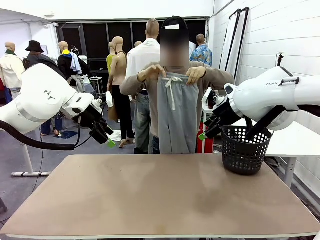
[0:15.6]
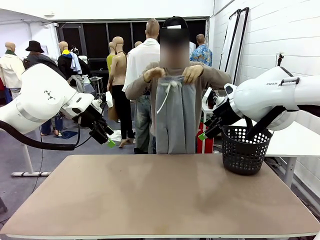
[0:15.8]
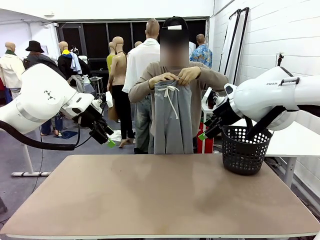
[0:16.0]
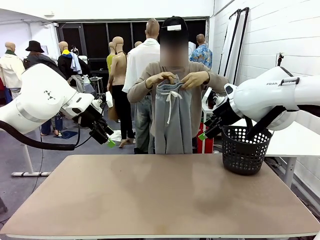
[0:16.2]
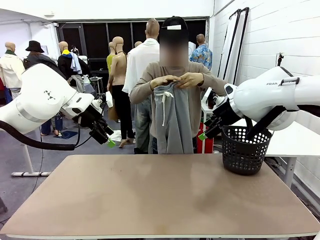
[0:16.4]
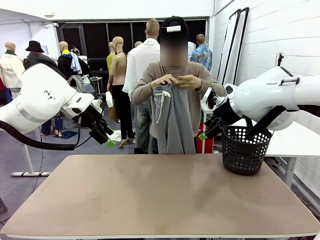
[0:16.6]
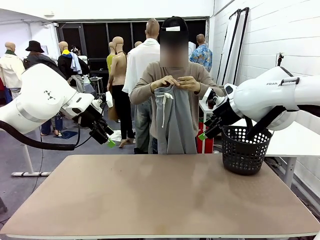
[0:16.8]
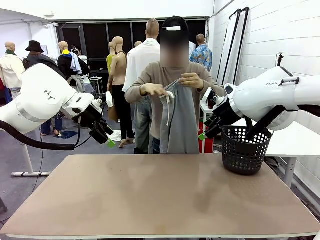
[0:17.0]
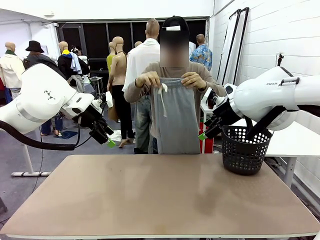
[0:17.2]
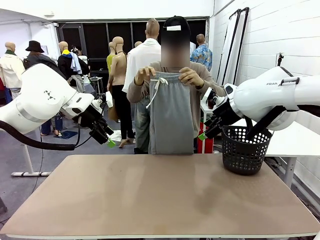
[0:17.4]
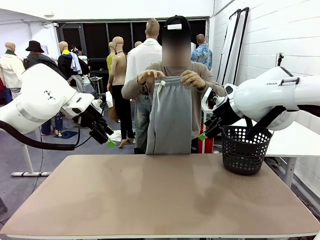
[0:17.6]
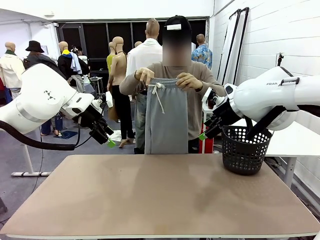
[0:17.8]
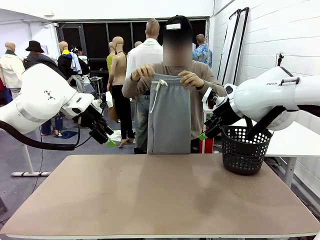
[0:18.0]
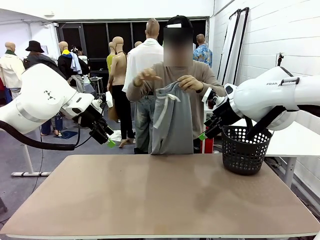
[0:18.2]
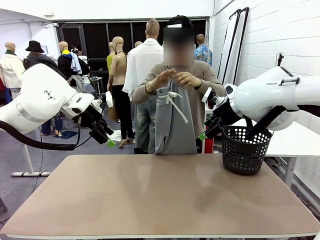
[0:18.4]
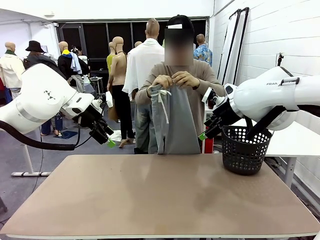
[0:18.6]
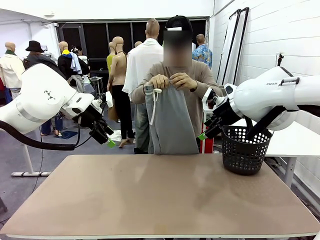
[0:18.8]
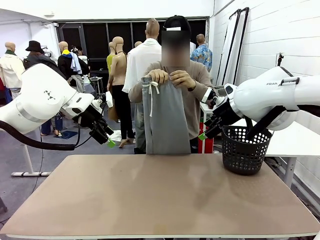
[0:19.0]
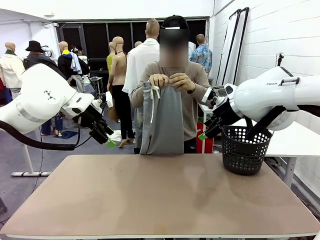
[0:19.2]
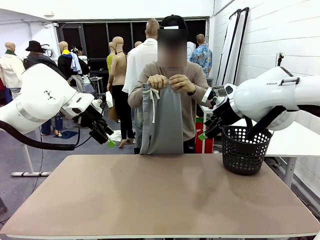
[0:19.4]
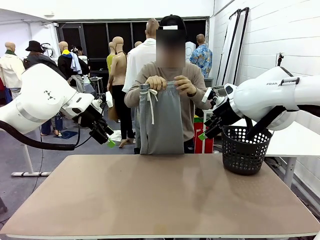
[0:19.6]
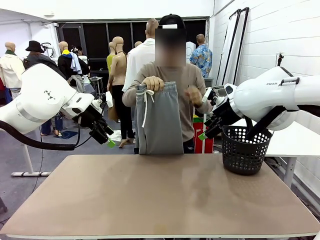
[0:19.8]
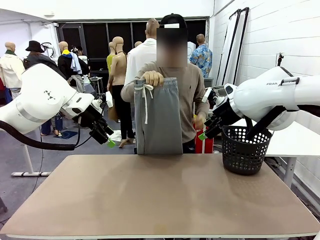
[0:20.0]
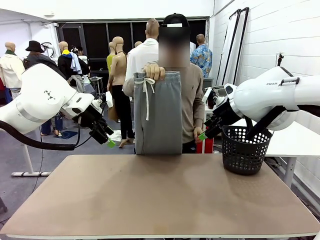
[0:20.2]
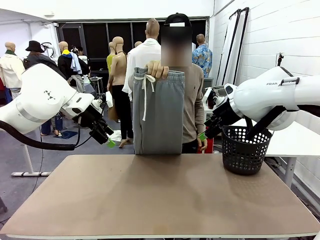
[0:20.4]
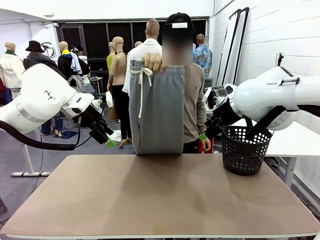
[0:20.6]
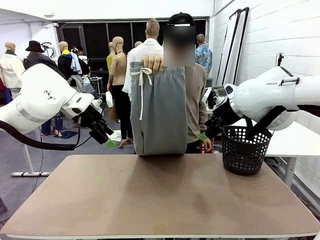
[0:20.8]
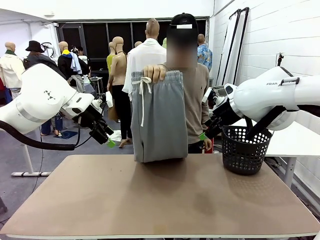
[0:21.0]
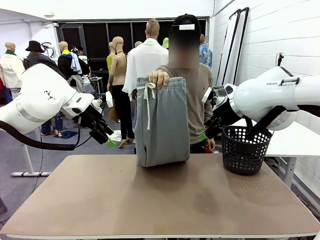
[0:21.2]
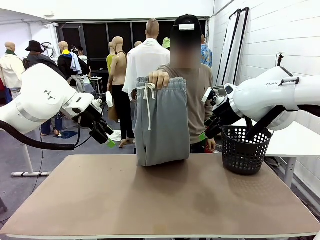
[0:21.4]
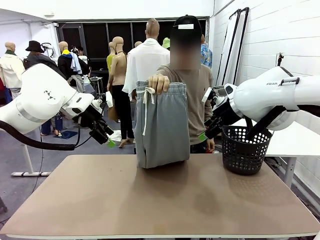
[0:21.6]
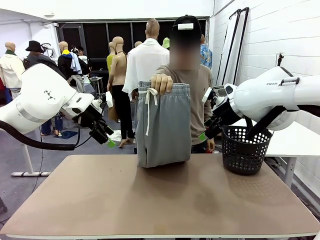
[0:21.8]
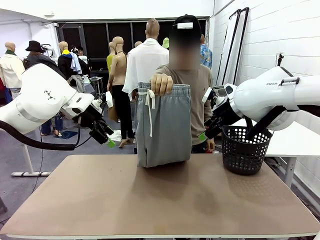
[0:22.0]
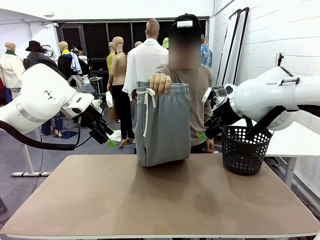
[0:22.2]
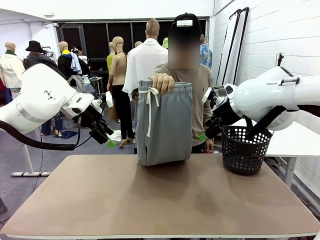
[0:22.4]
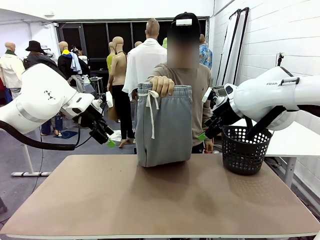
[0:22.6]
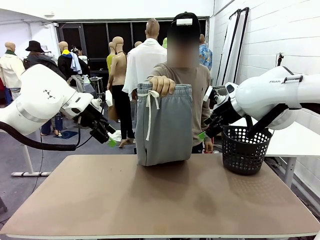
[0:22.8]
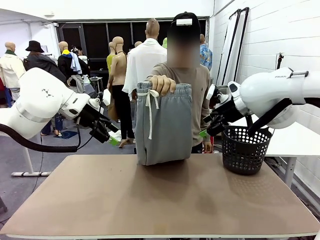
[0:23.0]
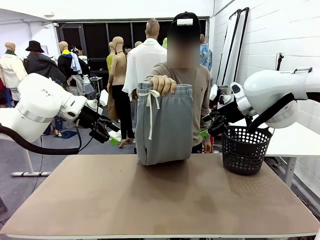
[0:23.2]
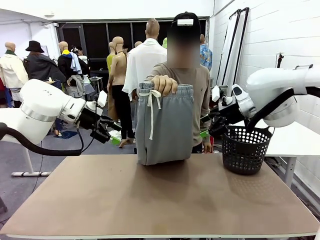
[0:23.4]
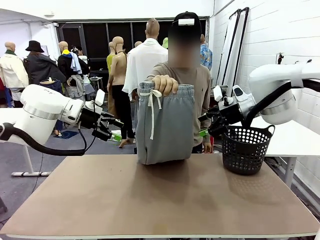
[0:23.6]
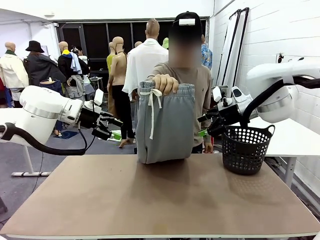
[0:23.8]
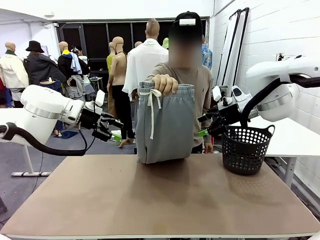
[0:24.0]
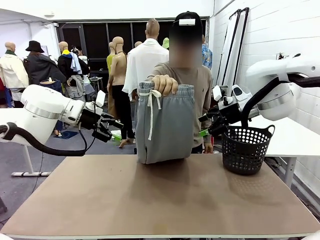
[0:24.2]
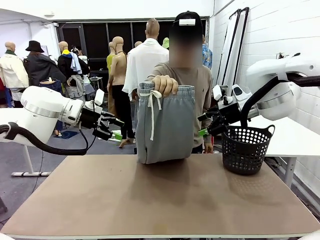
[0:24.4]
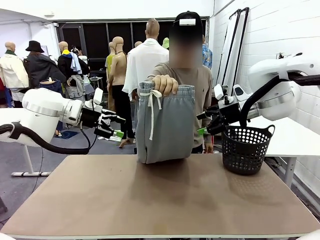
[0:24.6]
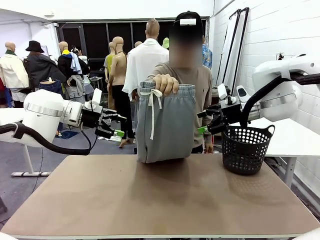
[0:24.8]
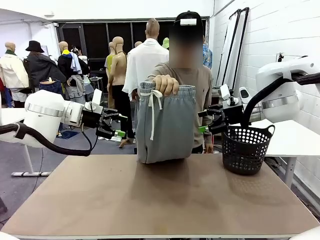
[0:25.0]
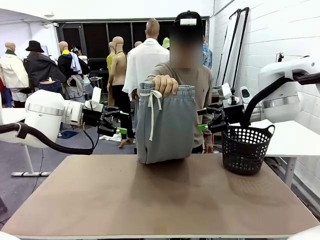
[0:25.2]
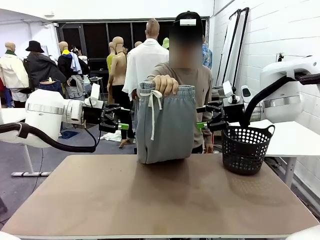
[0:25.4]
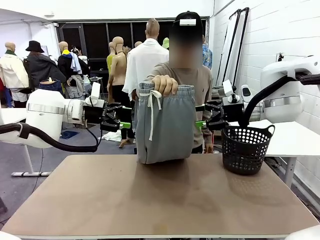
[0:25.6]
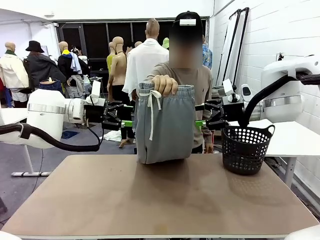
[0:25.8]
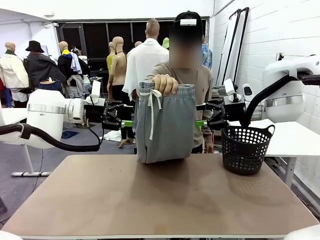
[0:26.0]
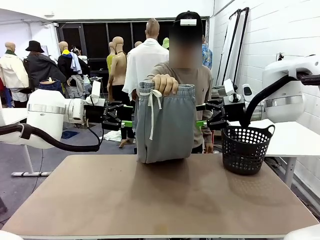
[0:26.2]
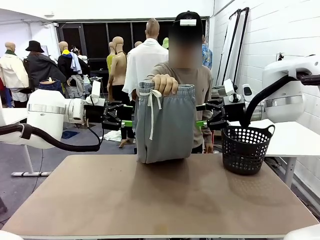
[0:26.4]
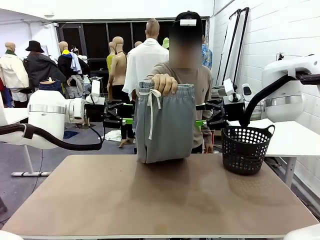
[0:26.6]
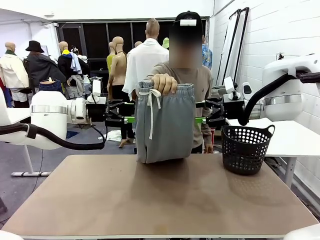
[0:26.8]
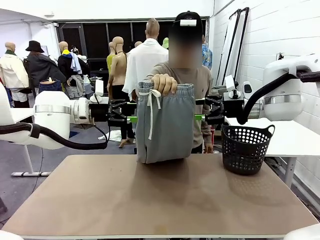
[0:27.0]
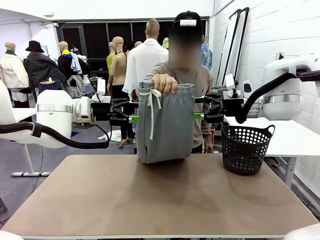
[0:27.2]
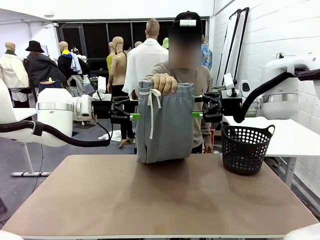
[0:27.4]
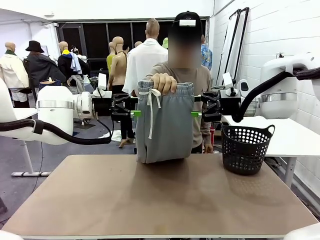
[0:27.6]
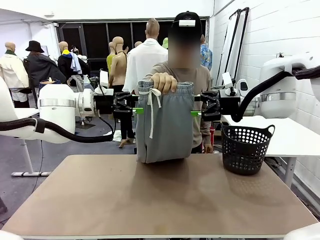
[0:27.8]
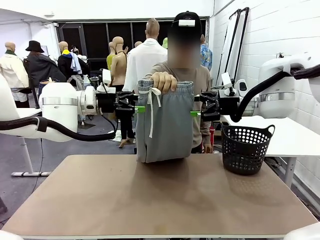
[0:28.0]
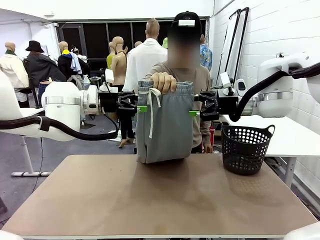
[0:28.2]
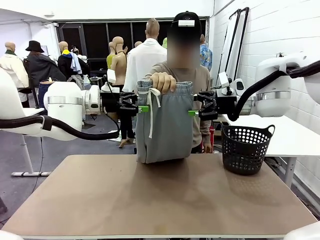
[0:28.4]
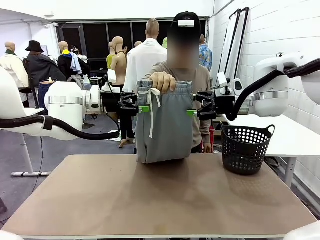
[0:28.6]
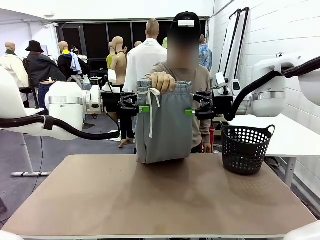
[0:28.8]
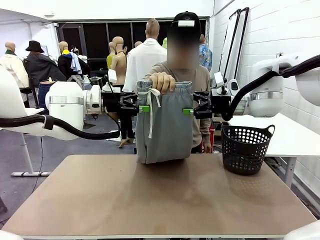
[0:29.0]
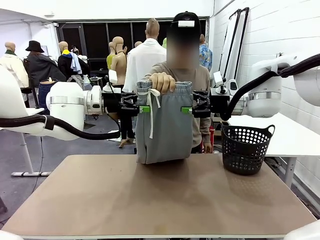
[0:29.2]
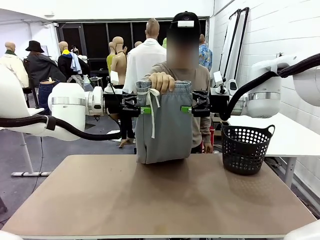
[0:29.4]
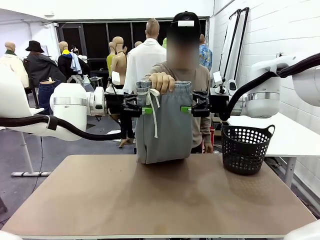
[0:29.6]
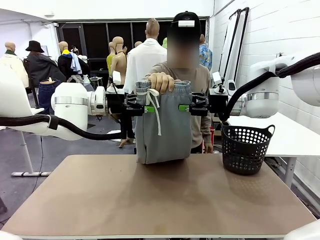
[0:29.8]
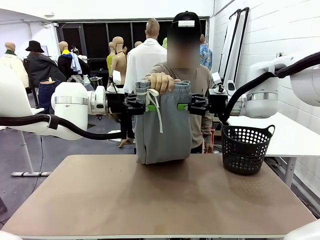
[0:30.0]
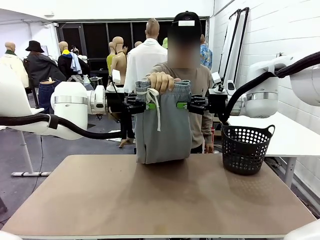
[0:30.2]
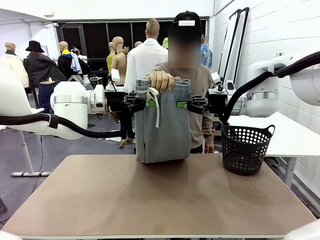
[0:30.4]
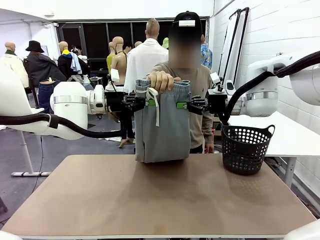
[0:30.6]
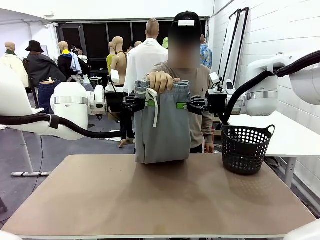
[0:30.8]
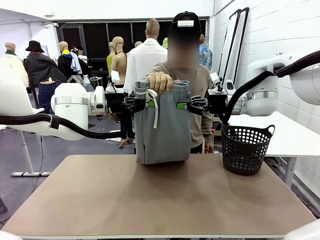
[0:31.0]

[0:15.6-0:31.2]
Task: Fold the training pants.
Robot: Grab both ends of the Training pants handed by a person.

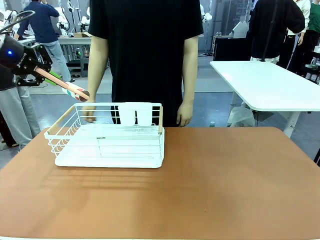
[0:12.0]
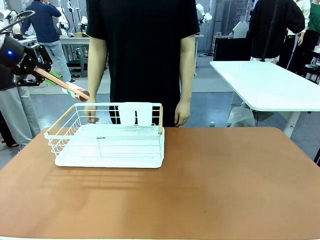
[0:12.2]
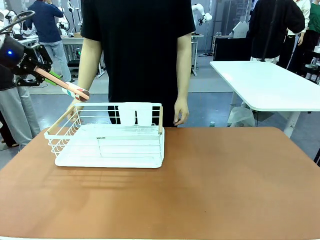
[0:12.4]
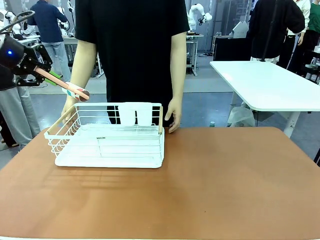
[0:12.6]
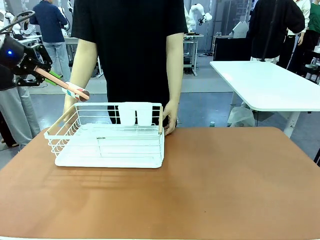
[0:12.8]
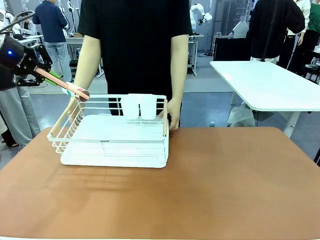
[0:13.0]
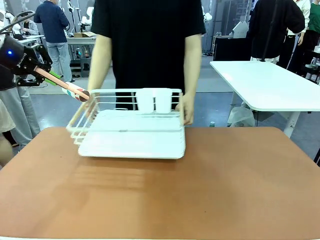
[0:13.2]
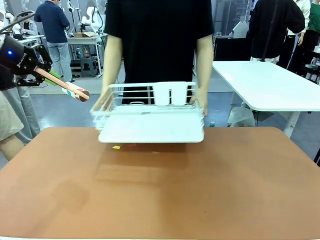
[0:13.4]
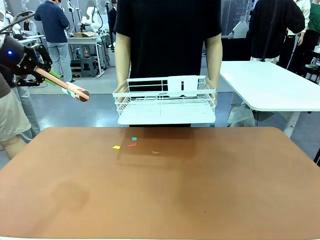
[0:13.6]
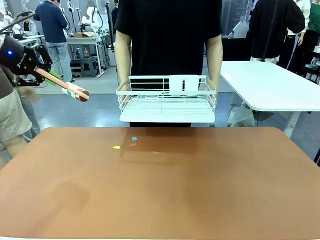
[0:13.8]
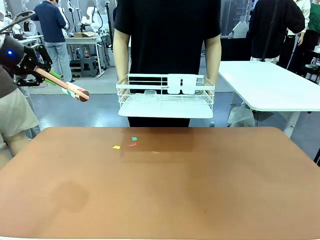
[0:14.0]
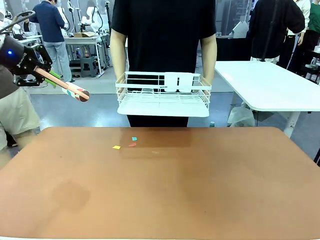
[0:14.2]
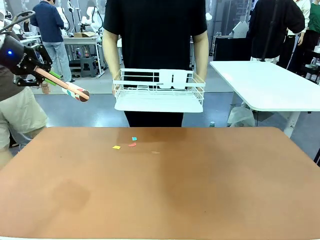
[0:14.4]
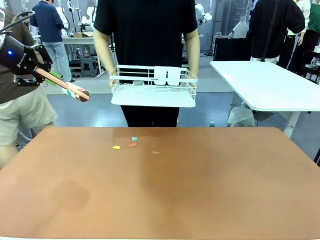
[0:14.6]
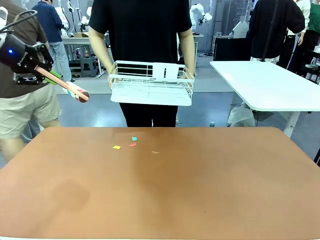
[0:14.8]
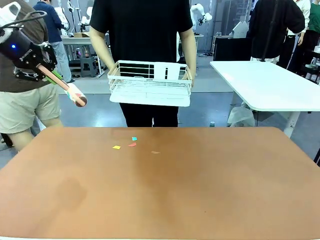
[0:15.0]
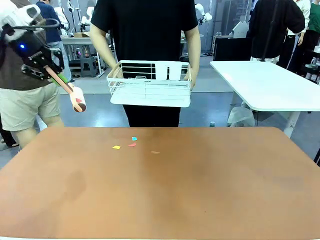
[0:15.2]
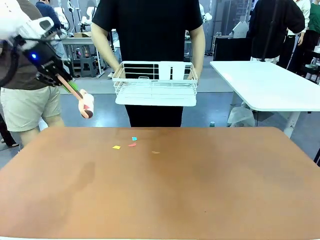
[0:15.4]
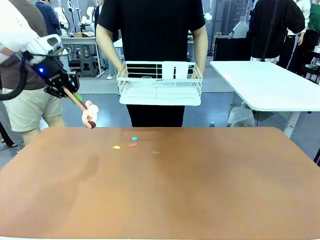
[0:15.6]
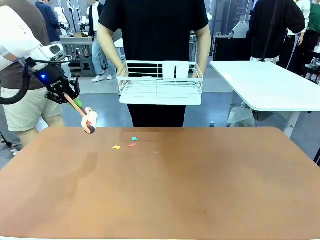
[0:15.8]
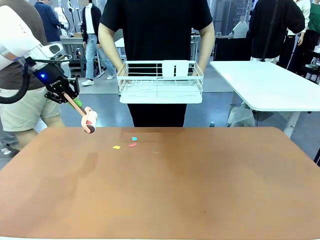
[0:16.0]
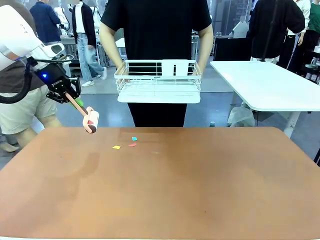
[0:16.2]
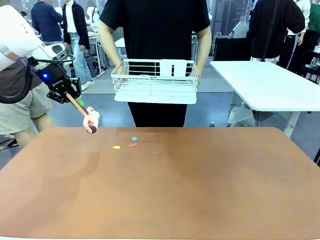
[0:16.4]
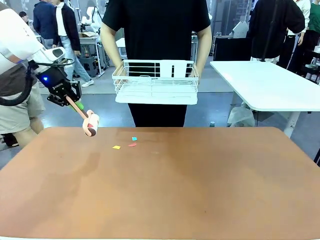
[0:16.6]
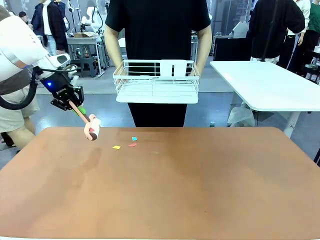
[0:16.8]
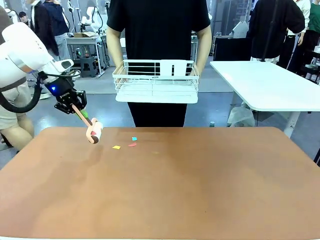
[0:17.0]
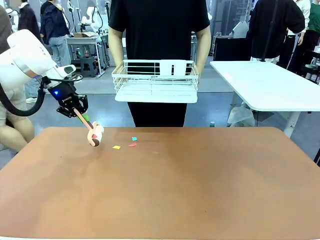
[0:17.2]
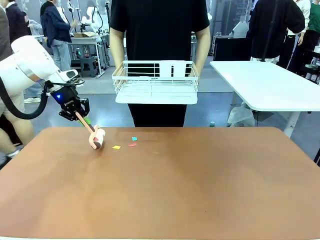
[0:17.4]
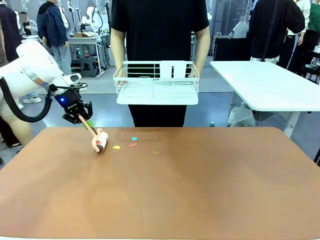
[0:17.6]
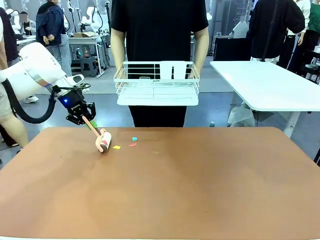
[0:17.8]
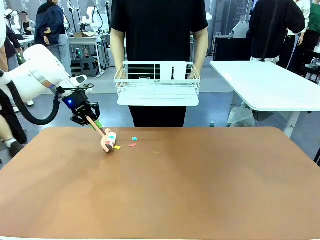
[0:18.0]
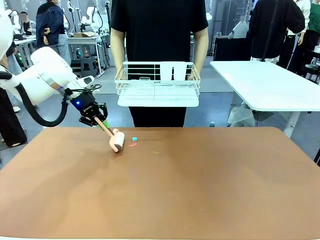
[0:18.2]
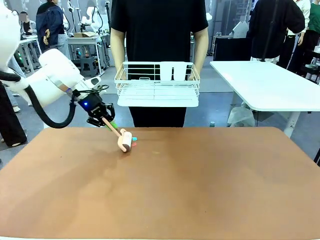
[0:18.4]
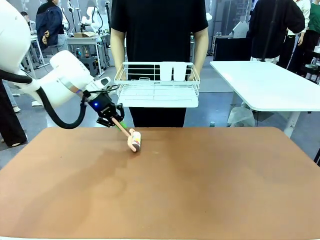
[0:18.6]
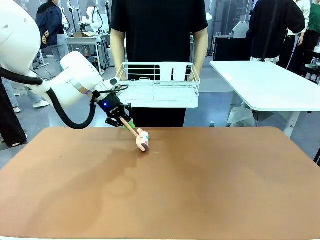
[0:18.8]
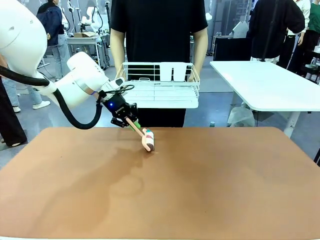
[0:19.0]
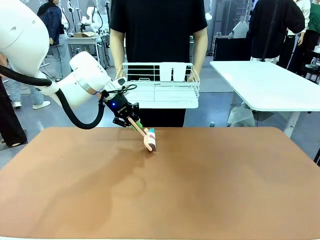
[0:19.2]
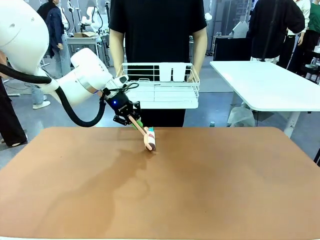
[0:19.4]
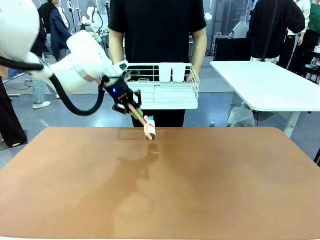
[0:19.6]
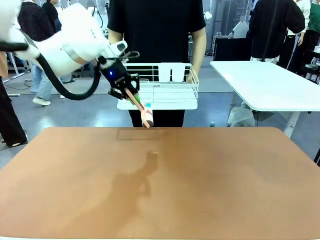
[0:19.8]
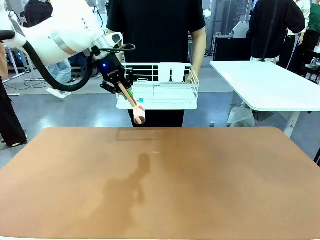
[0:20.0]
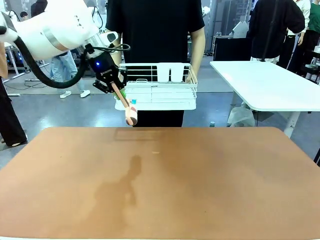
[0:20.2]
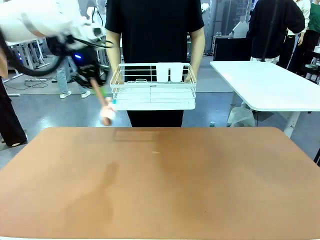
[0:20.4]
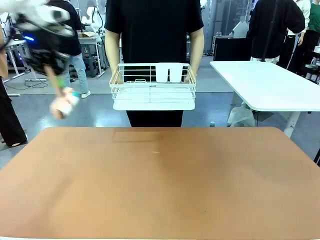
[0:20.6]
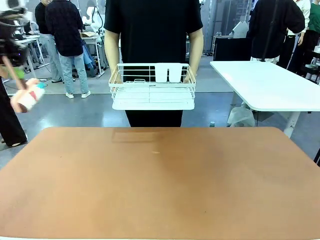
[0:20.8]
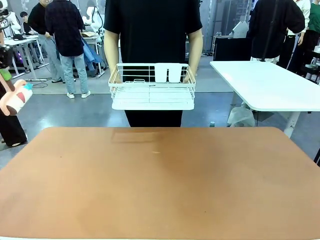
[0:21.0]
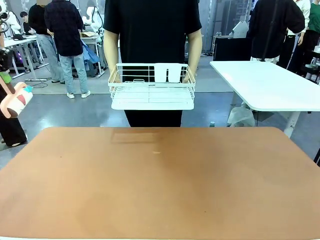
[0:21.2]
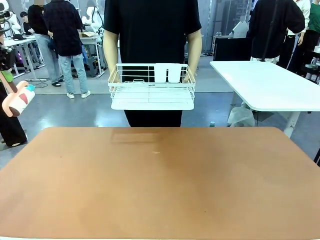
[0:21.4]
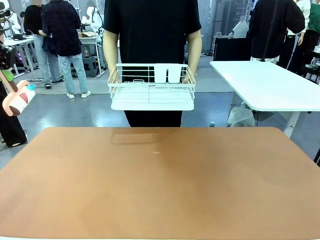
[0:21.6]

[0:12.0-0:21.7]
Task: Clean the table.
Robot: Clean the table with the Lint Roller when the human lifts the Dish drying rack.
